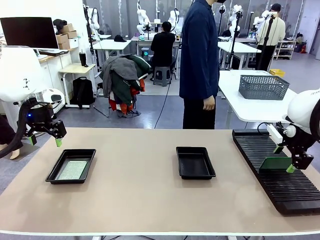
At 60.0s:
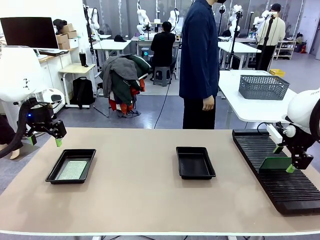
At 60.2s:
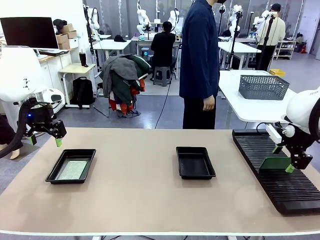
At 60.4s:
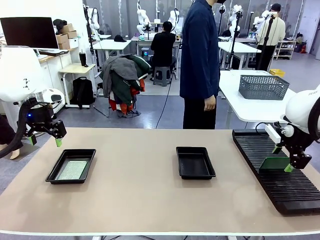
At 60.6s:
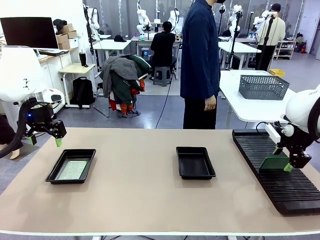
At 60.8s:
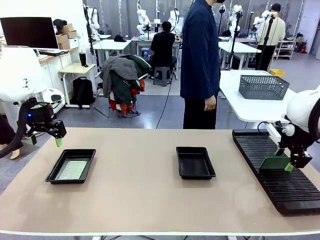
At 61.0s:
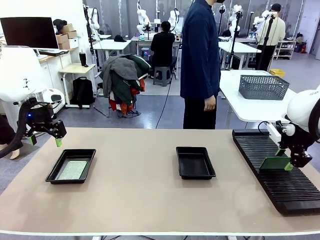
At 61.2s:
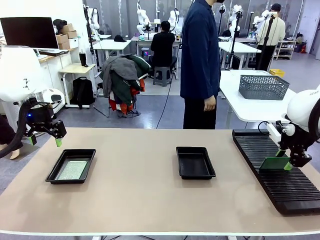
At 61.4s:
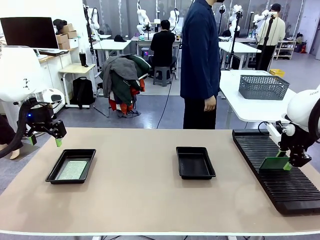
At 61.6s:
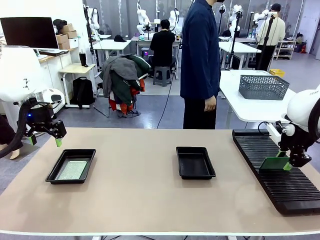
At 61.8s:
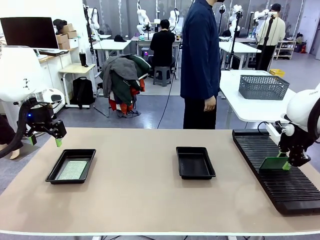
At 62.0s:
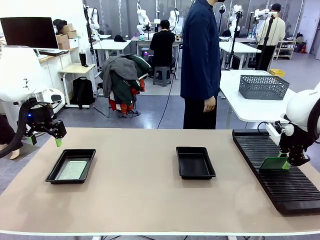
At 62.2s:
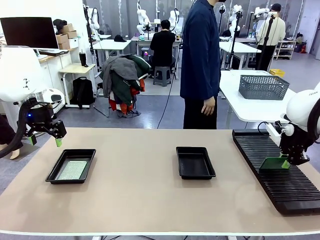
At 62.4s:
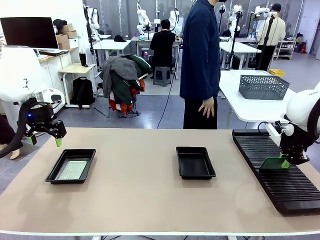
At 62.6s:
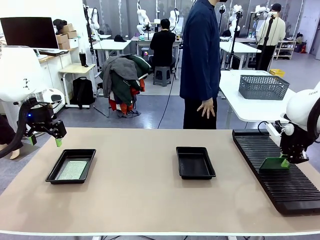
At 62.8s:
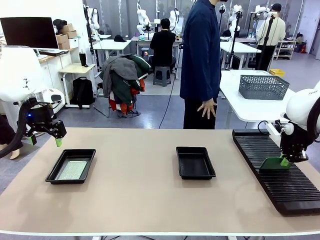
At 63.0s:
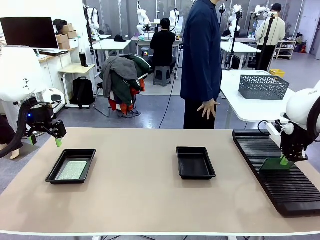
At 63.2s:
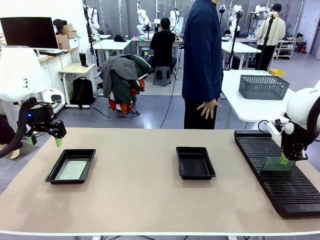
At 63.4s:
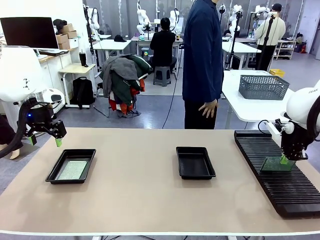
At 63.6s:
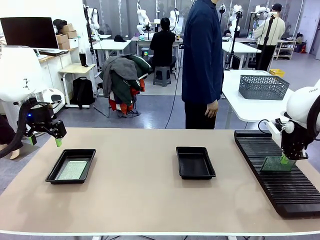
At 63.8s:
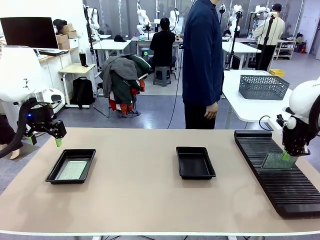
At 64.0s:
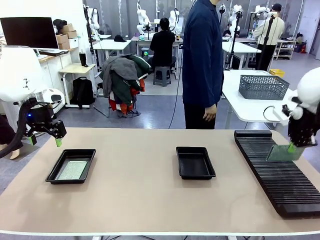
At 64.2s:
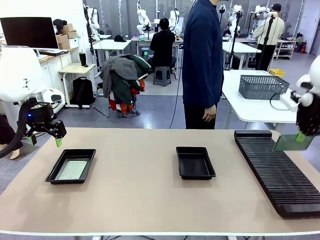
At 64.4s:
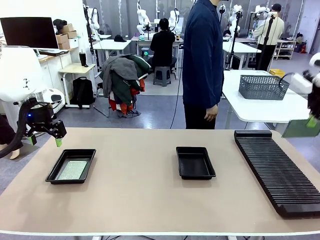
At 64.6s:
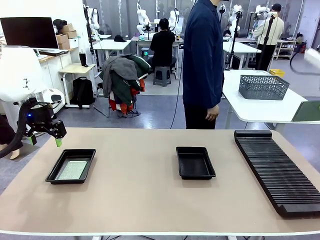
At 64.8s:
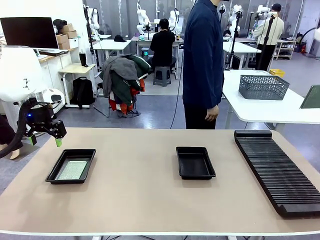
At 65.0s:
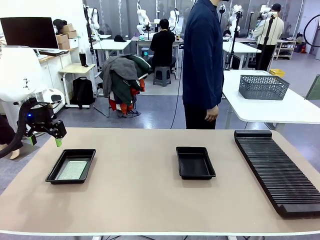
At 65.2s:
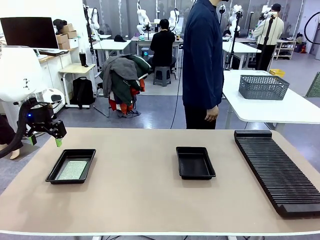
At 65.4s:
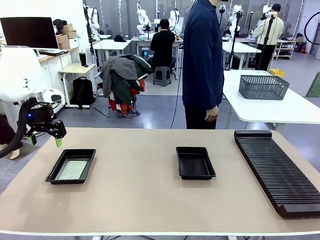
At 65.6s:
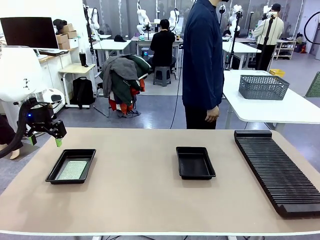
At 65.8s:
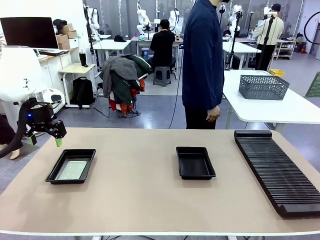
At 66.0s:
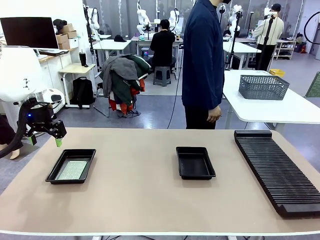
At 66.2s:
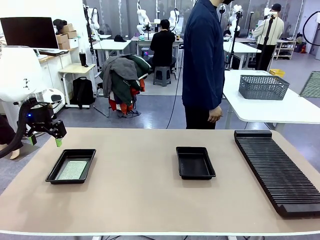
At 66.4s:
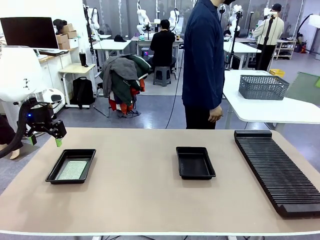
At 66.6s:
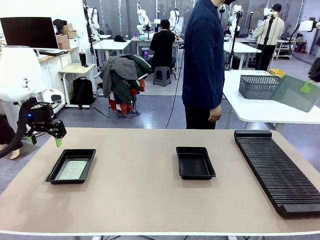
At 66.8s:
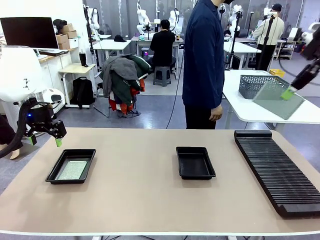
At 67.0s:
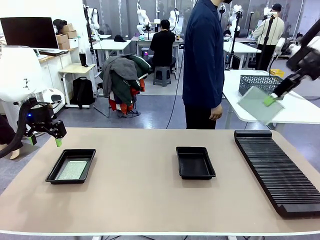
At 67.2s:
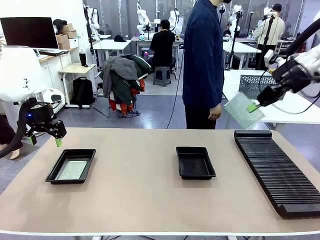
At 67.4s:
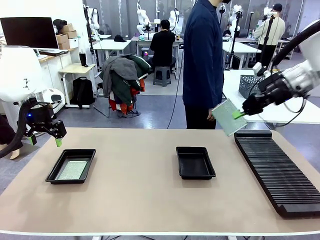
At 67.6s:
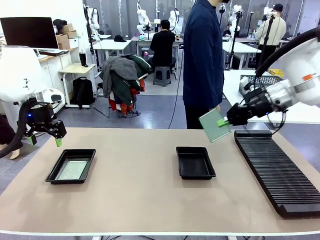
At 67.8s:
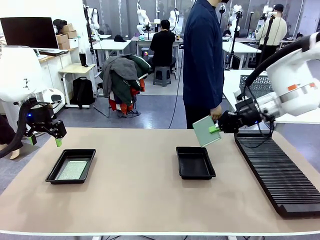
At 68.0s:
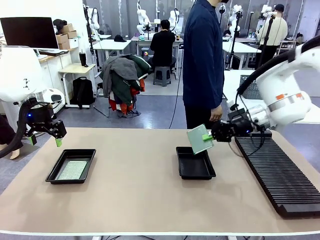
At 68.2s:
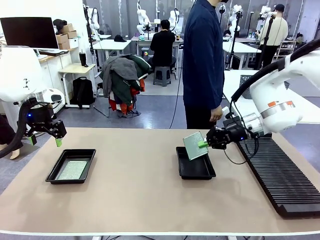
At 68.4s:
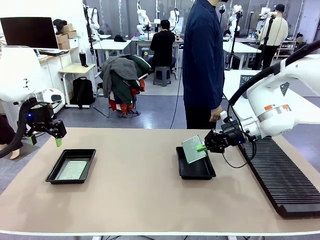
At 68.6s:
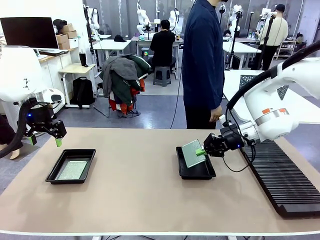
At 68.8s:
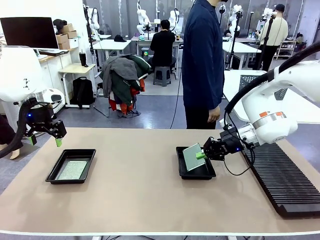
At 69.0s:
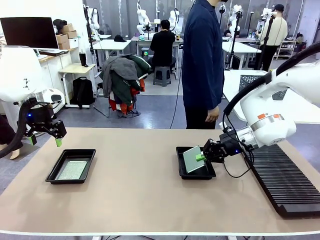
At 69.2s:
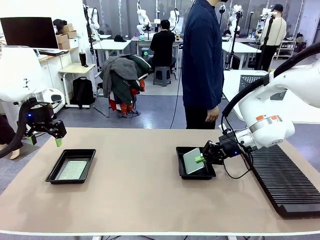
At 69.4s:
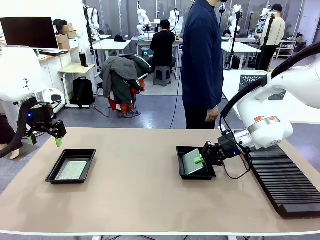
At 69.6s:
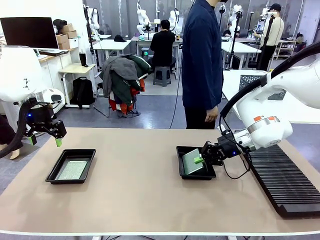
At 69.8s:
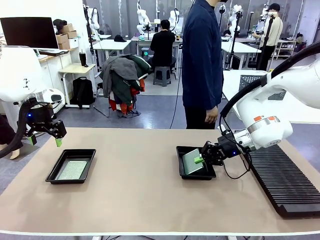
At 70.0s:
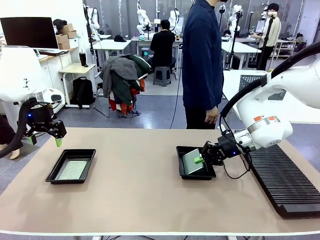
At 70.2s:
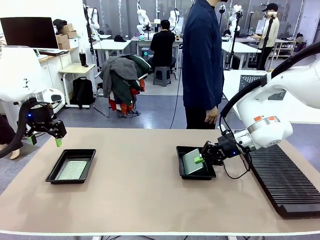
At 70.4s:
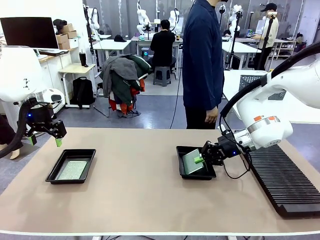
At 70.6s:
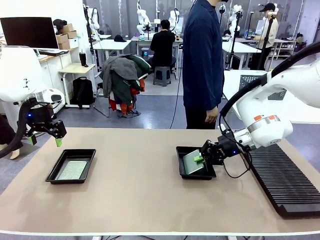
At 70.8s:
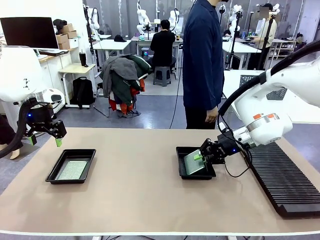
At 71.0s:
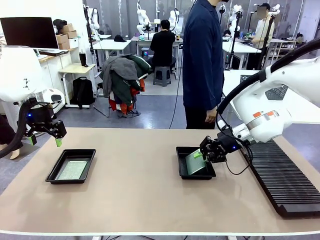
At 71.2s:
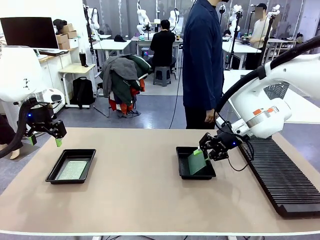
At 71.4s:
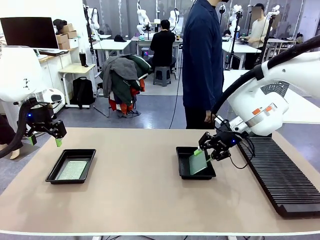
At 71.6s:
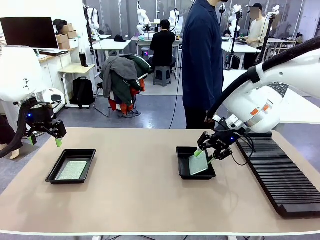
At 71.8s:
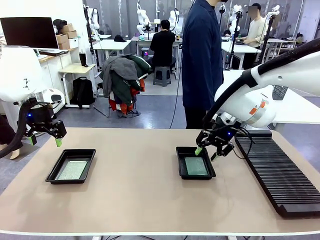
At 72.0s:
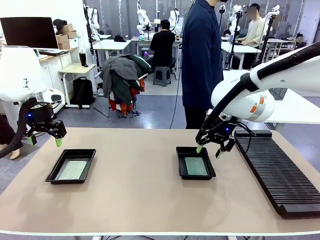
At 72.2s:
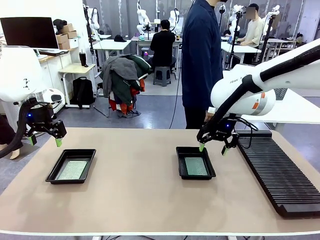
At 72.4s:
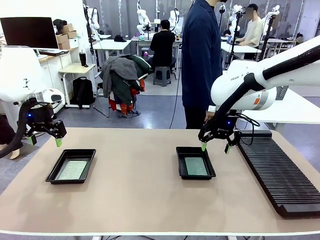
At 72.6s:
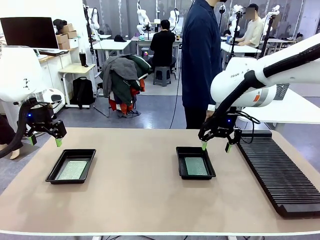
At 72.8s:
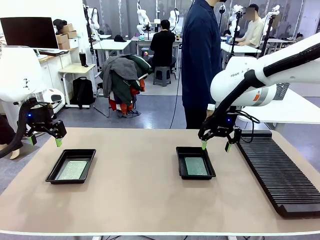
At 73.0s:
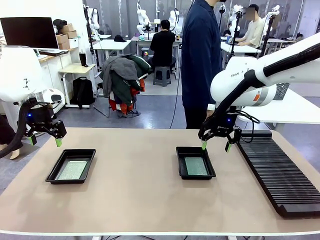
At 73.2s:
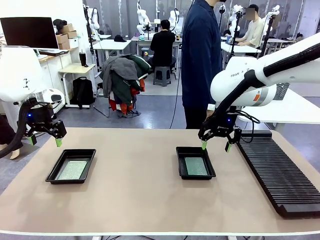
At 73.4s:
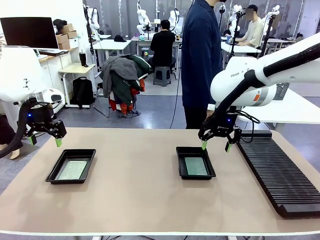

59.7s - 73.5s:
Task: Inspect and transfer BCBs to ESD trays.
Robot: Pick up the Blank PCB from the PCB Rack and place it in the right ESD tray.

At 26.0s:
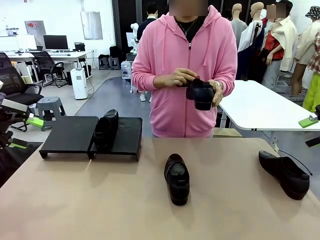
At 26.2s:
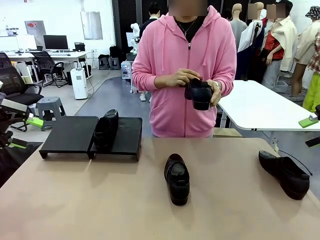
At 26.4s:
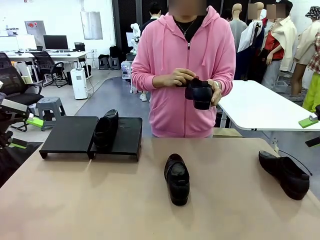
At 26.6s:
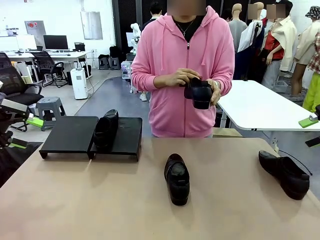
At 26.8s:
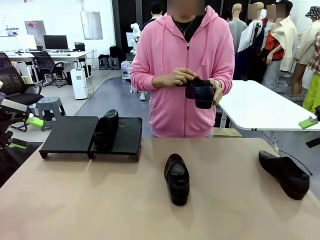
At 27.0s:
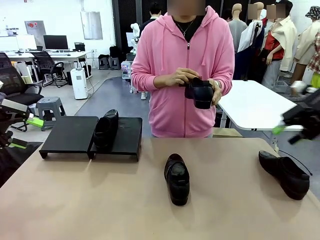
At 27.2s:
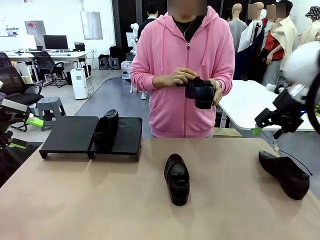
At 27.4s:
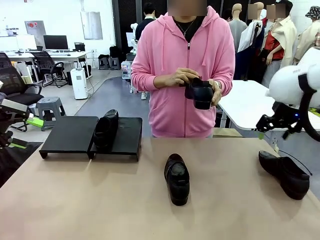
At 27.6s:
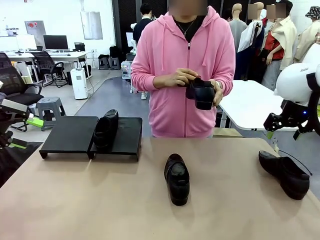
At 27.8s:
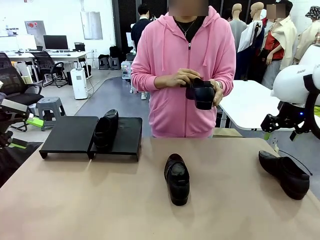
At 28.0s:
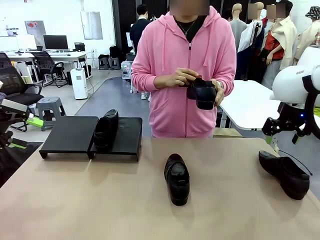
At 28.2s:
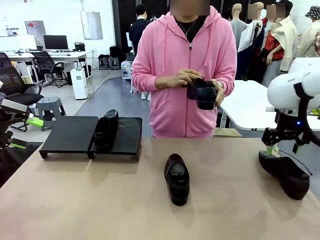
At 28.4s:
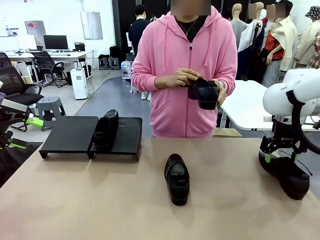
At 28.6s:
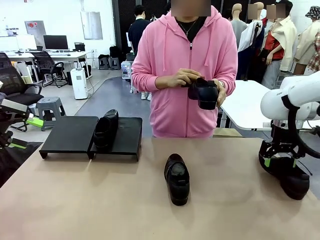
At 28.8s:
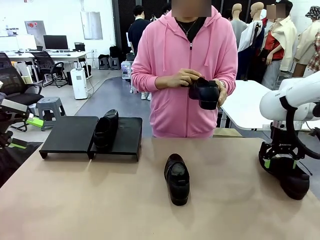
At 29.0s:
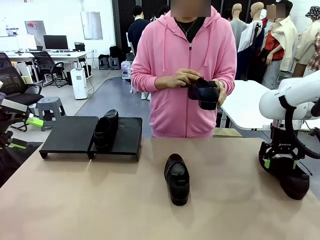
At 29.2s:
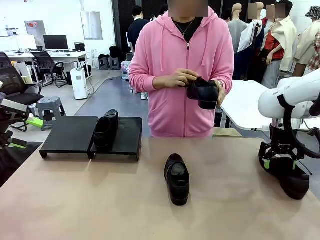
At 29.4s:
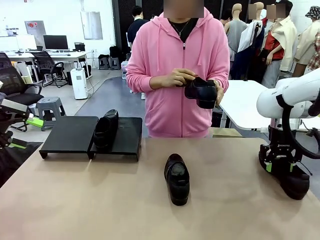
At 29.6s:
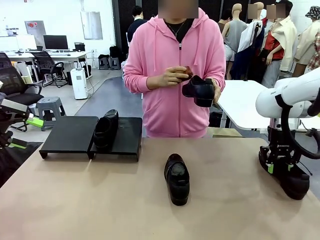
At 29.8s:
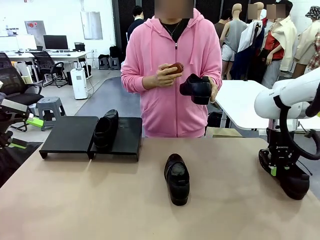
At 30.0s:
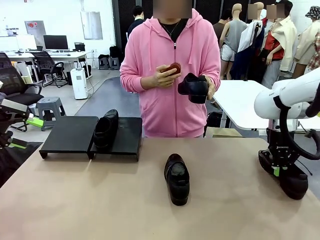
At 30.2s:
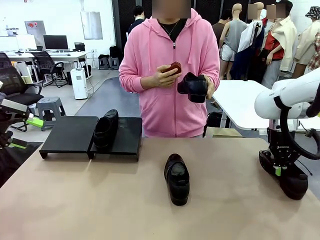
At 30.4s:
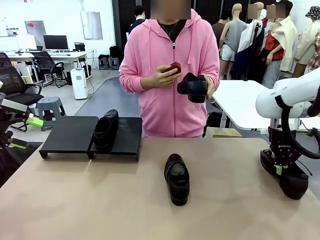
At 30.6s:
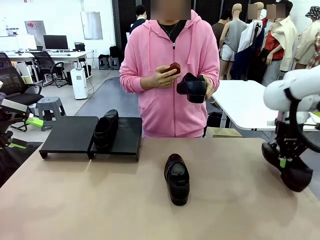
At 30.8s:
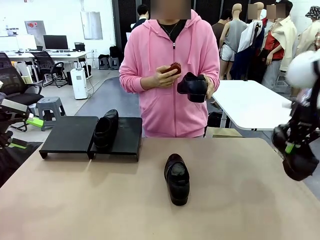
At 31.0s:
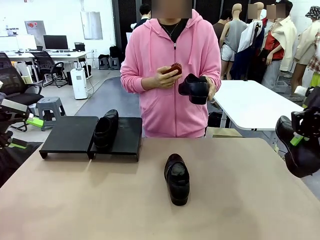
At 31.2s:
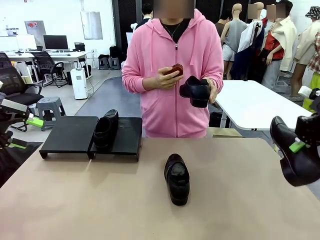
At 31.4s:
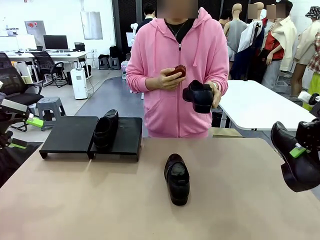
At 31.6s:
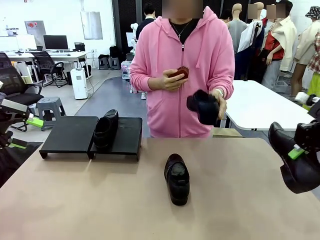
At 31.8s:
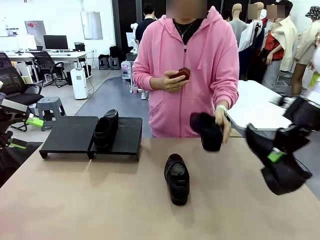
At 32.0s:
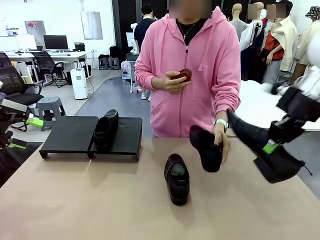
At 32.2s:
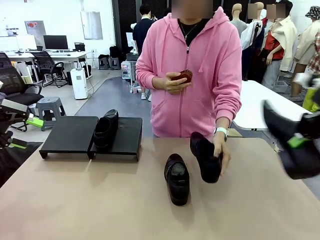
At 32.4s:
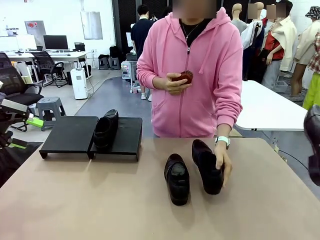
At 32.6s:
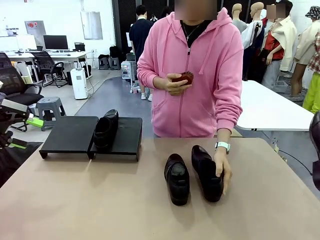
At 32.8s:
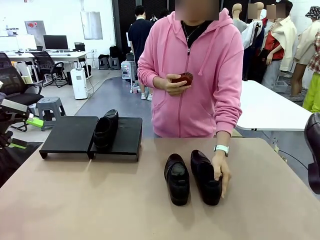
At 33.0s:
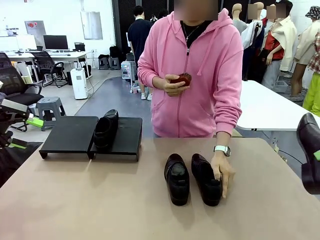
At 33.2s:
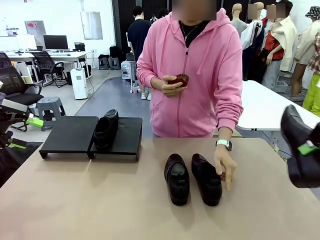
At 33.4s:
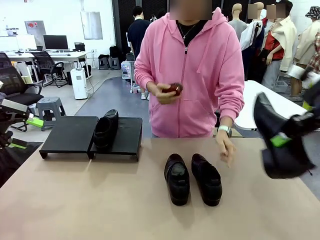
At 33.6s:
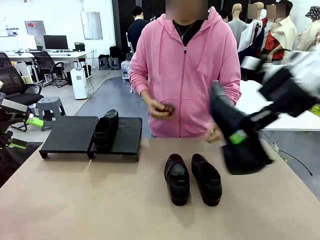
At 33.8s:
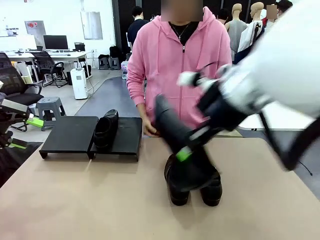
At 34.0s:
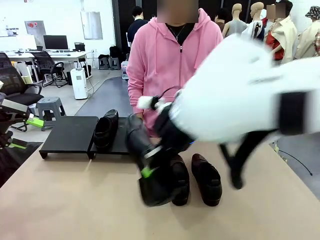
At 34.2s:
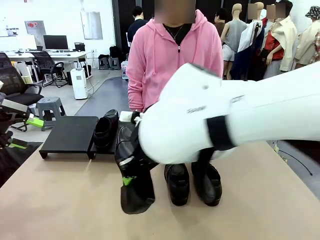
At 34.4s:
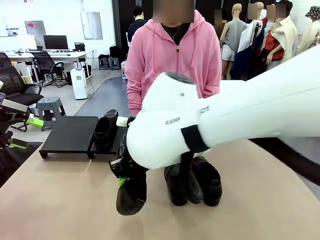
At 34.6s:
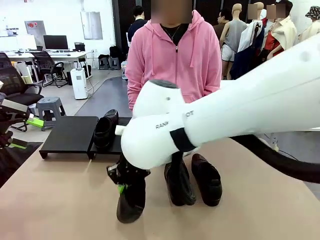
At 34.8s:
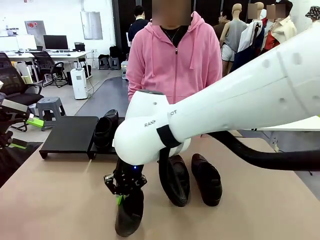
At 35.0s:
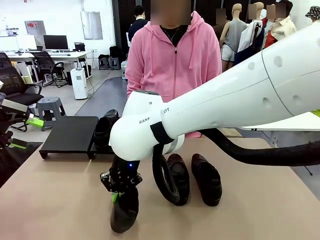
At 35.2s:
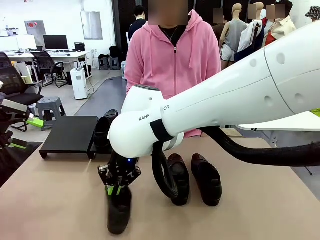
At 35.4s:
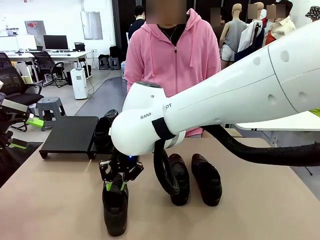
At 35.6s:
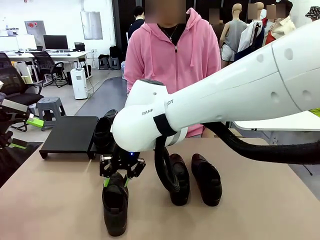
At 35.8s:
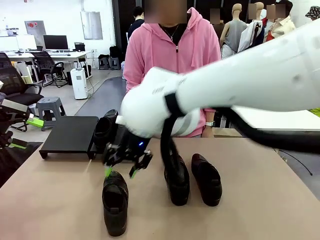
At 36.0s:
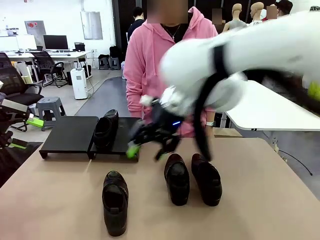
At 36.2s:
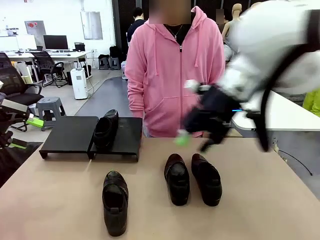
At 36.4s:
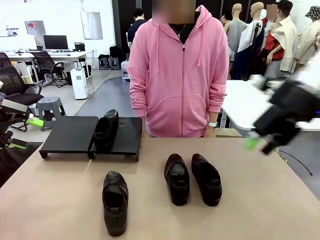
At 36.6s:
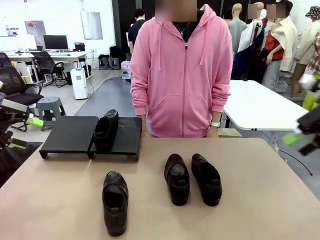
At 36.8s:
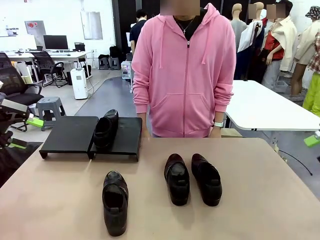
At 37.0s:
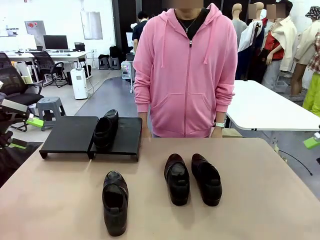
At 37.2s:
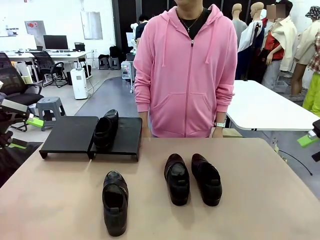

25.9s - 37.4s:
Task: Organize the shoes by placing them on the stand.
Robot: Pick up one Shoe and place it in the middle of the table.
